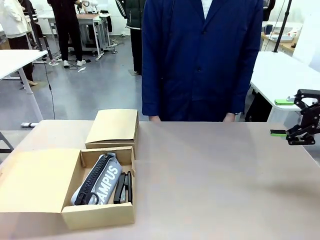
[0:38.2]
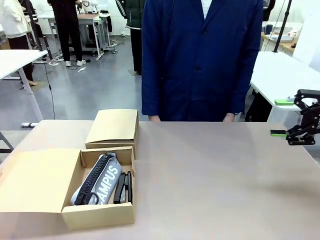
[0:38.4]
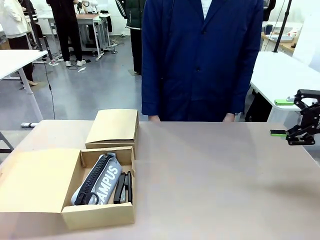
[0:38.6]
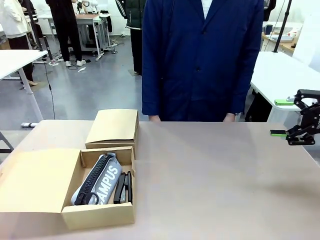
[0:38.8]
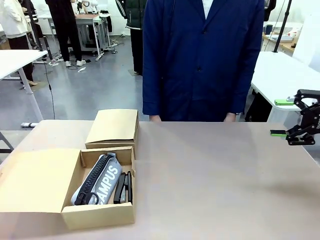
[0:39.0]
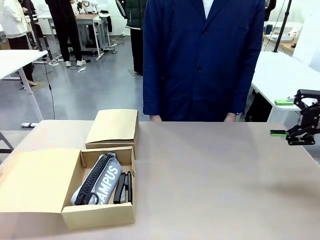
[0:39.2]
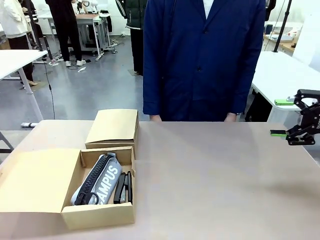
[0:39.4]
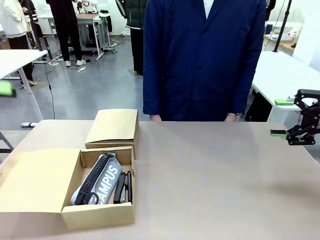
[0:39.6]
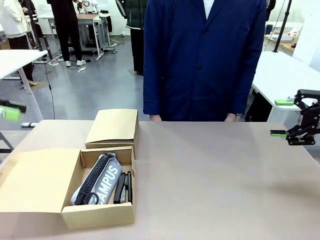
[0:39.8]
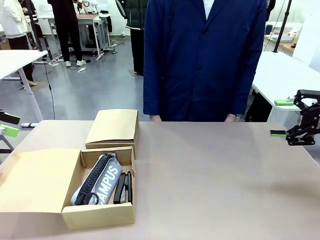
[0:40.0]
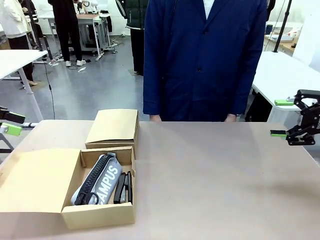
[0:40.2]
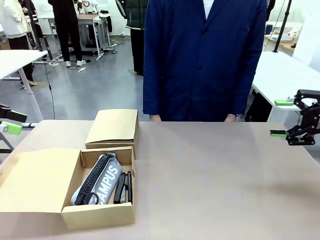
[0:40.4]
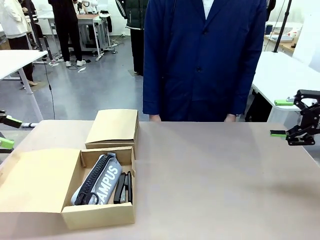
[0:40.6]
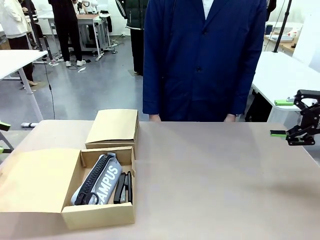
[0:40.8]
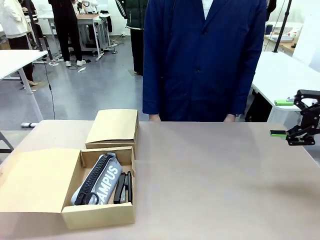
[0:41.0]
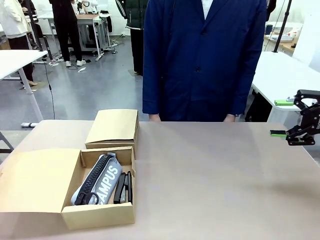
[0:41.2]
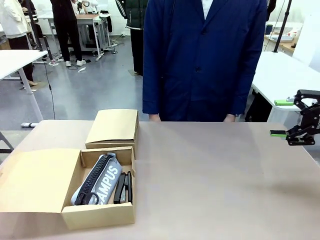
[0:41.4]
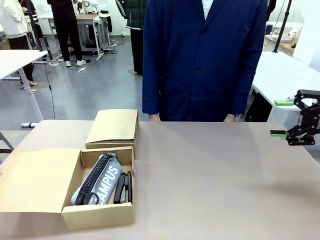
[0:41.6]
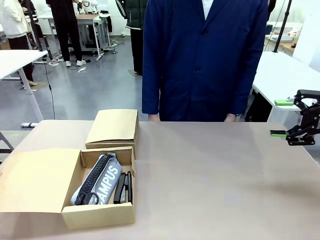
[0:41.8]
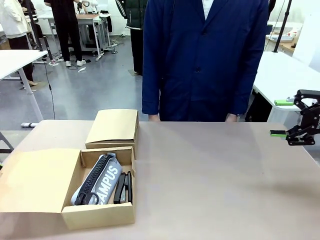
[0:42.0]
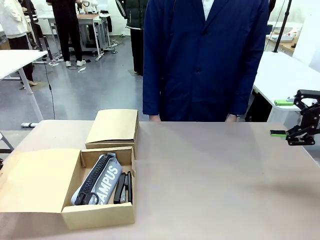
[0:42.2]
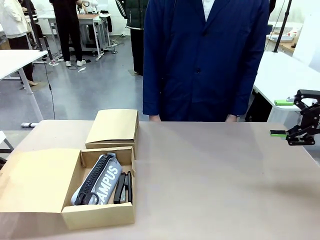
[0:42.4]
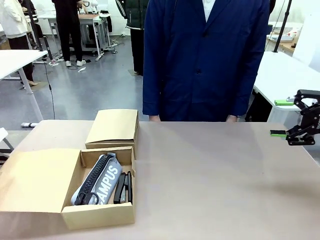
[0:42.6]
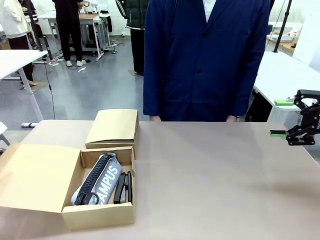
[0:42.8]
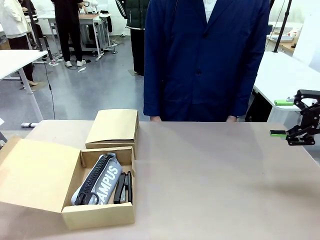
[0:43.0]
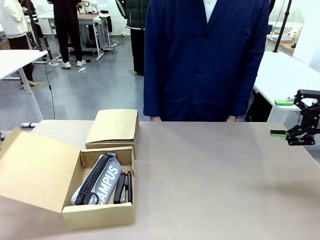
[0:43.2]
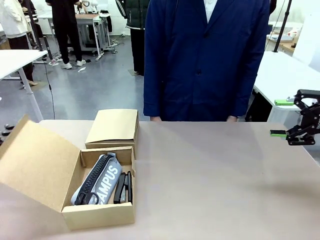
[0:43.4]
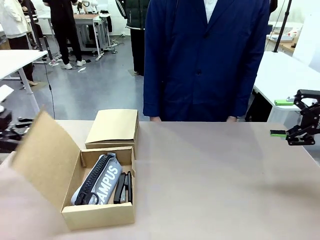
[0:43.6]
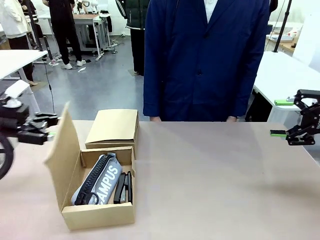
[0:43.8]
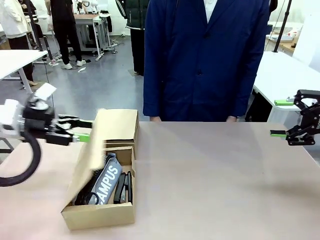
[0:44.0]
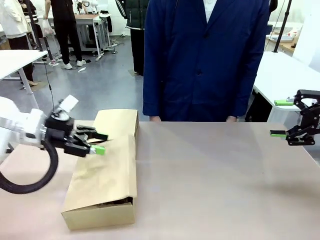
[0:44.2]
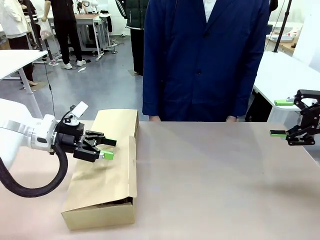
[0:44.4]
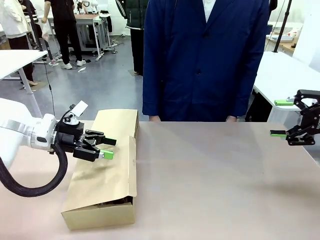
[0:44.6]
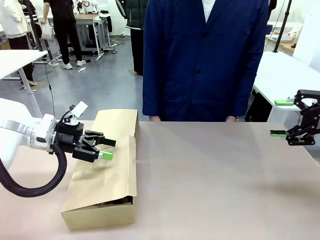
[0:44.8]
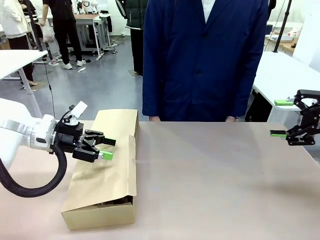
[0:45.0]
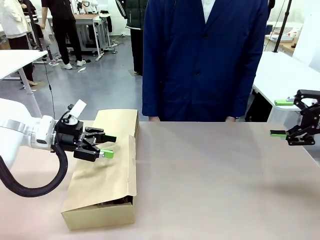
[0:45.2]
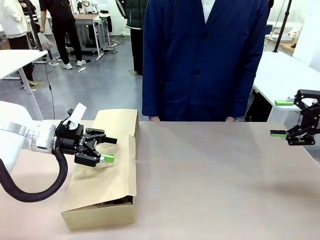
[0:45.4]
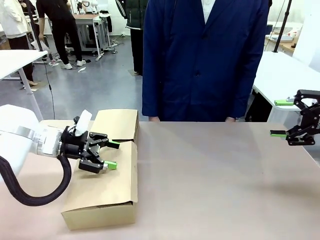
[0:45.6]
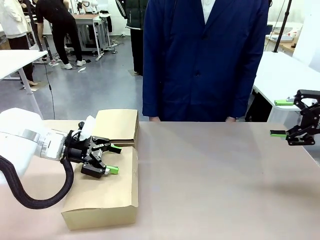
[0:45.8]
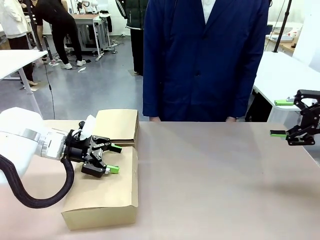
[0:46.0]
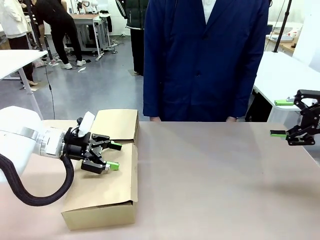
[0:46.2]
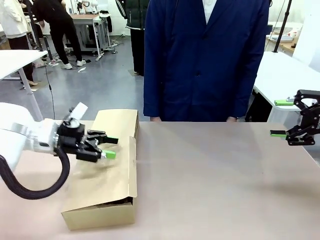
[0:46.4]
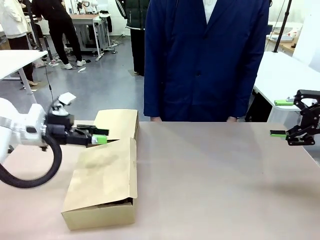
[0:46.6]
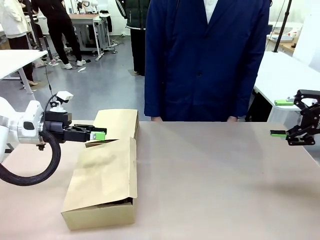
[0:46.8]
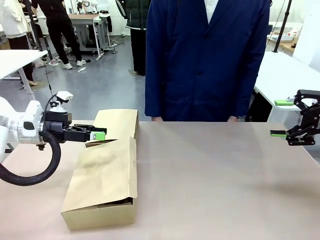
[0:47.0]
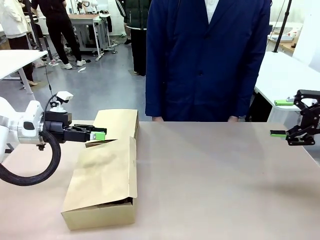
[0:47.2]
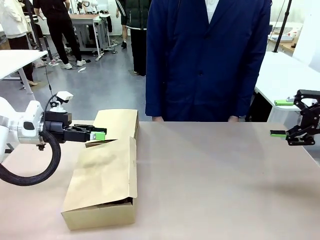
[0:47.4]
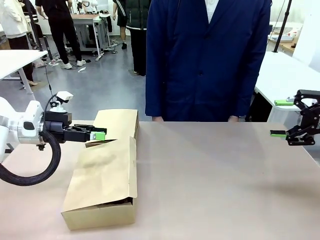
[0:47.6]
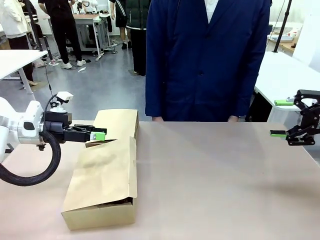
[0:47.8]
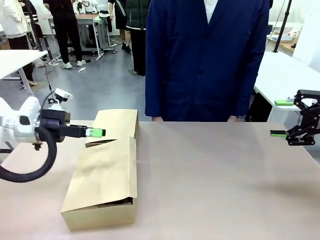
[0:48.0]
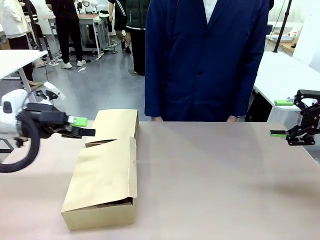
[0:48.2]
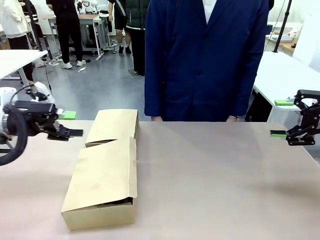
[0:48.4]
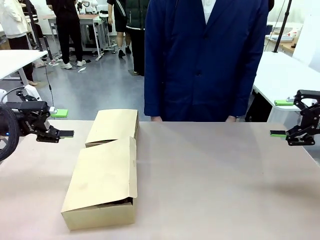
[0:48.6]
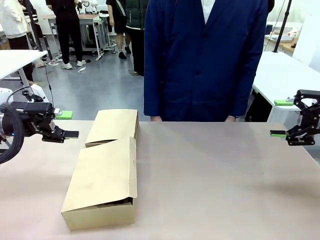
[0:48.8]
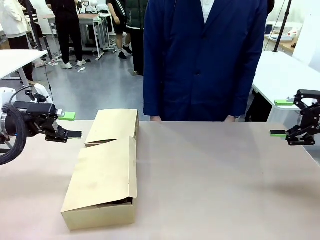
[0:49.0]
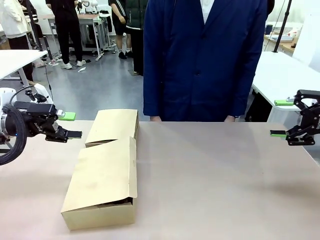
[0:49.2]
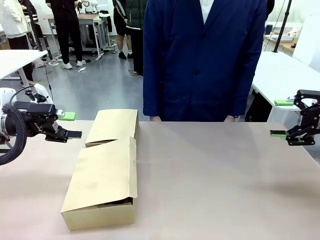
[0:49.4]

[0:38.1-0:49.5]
Task: Place items inside the box.
Robot: Close the lid of the Mailer Box closest to the robot.

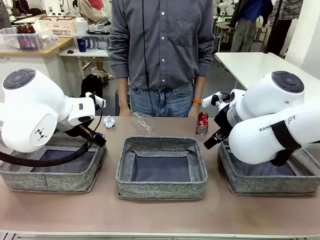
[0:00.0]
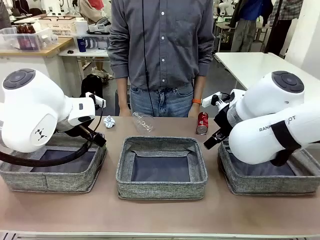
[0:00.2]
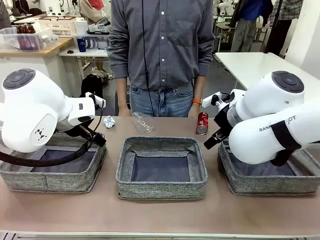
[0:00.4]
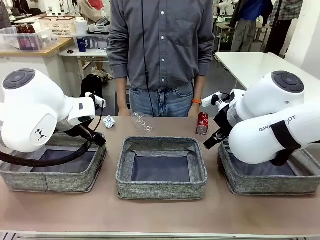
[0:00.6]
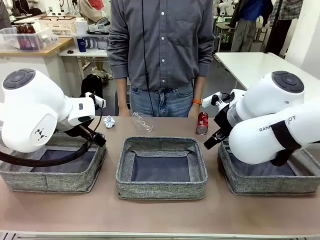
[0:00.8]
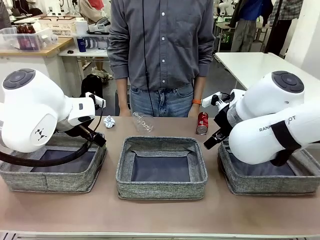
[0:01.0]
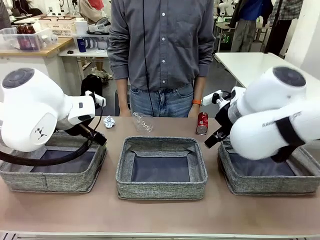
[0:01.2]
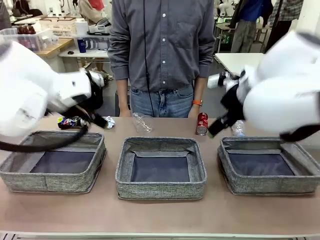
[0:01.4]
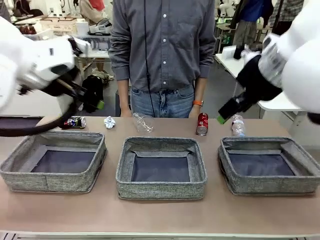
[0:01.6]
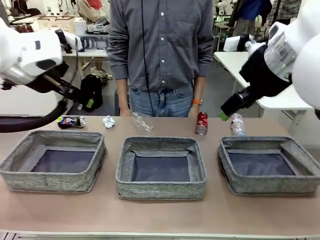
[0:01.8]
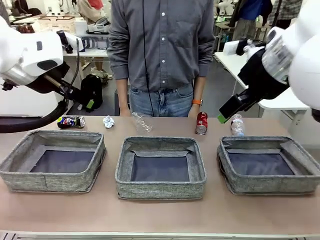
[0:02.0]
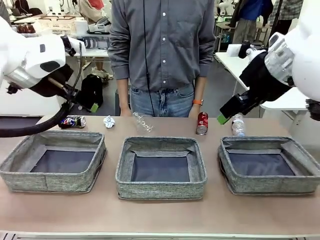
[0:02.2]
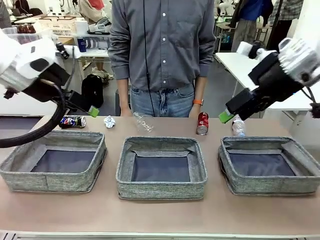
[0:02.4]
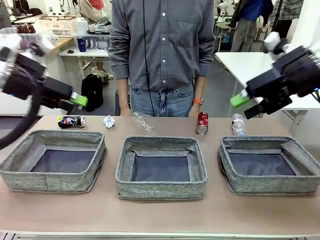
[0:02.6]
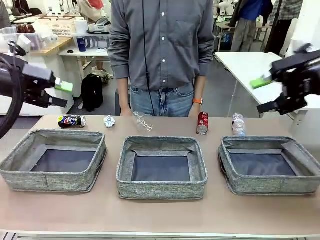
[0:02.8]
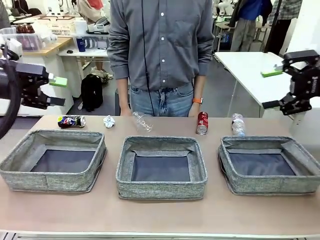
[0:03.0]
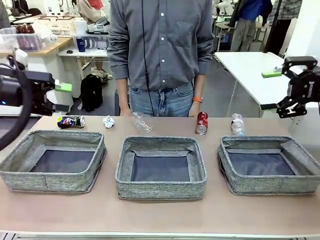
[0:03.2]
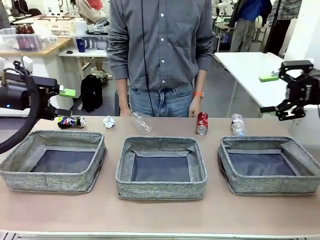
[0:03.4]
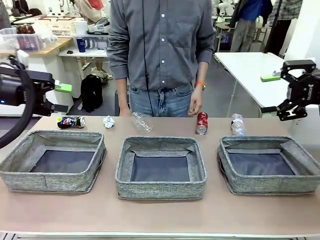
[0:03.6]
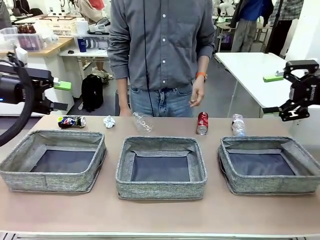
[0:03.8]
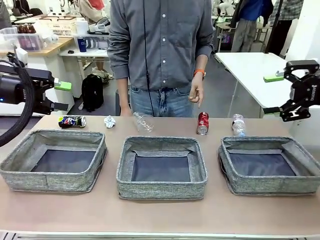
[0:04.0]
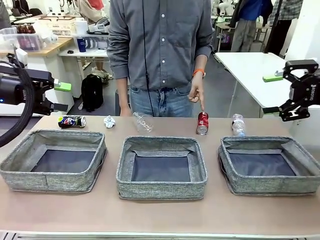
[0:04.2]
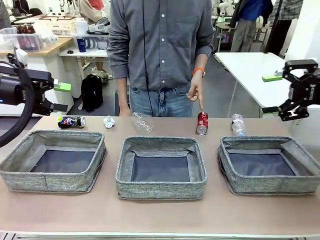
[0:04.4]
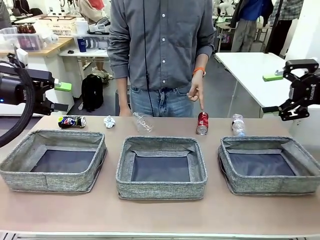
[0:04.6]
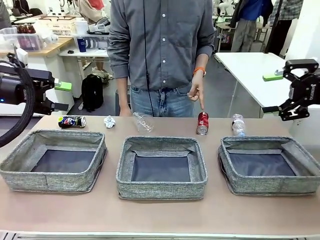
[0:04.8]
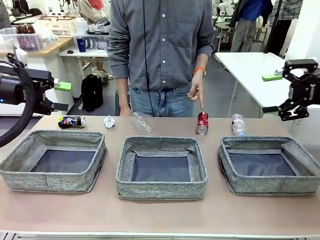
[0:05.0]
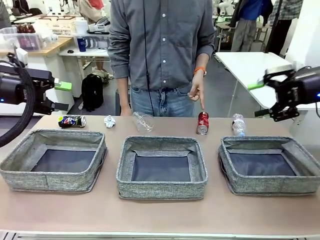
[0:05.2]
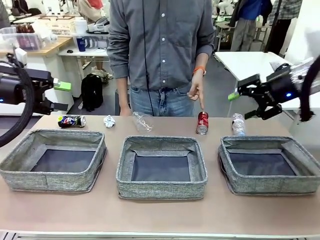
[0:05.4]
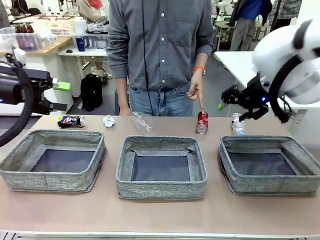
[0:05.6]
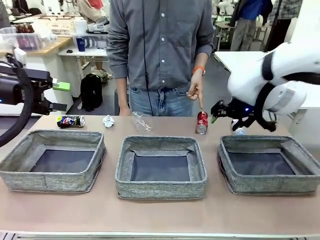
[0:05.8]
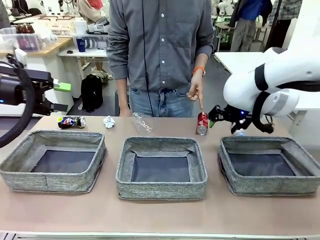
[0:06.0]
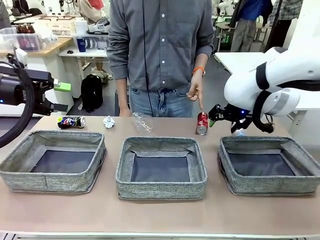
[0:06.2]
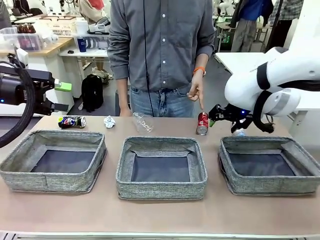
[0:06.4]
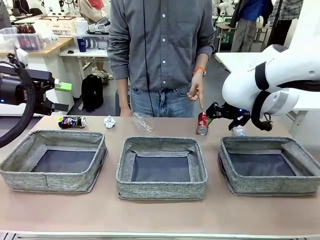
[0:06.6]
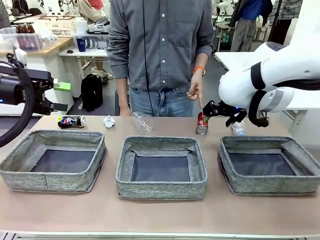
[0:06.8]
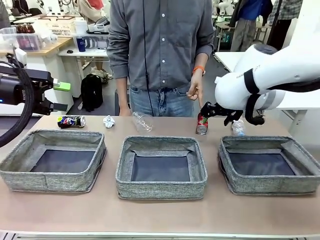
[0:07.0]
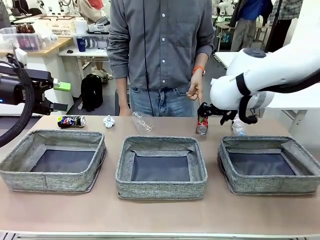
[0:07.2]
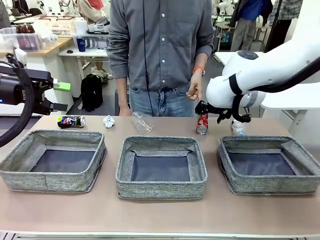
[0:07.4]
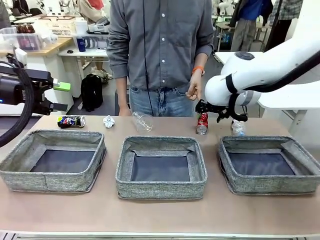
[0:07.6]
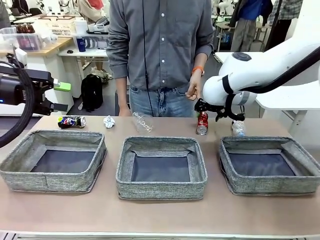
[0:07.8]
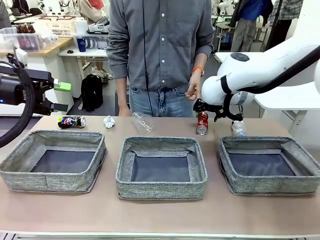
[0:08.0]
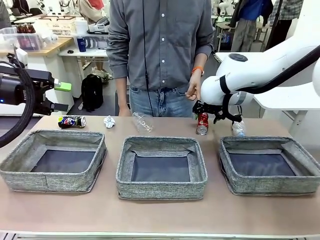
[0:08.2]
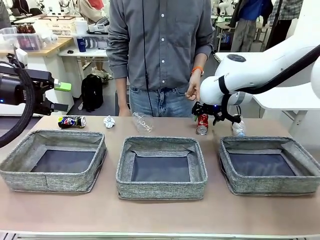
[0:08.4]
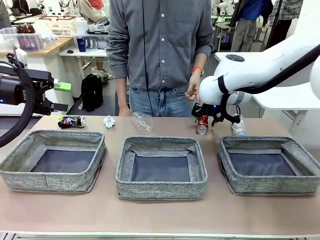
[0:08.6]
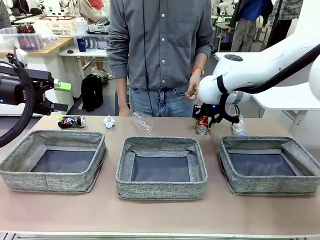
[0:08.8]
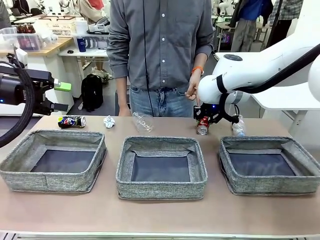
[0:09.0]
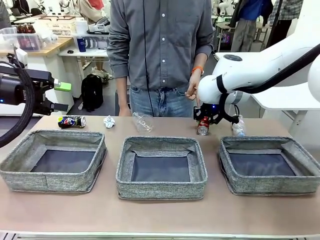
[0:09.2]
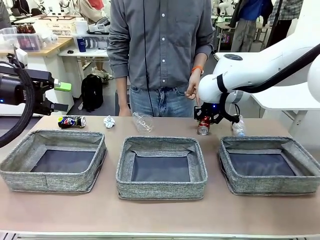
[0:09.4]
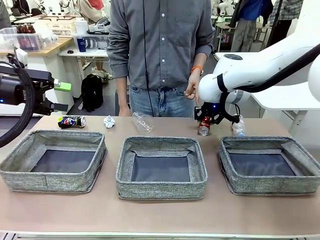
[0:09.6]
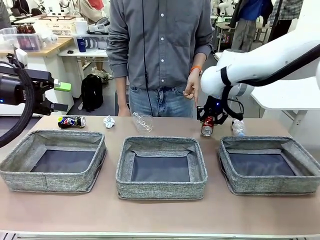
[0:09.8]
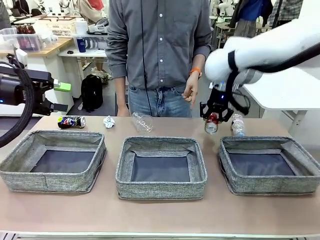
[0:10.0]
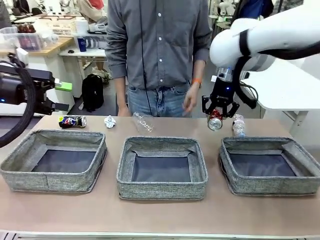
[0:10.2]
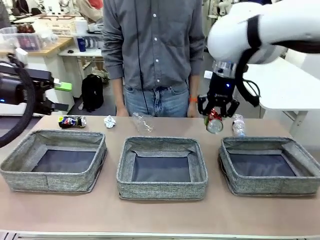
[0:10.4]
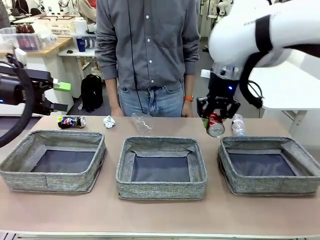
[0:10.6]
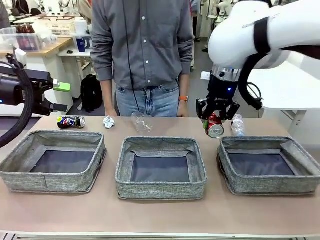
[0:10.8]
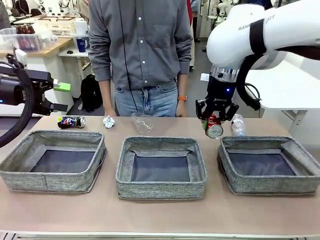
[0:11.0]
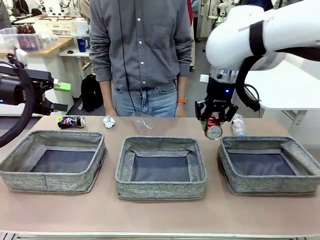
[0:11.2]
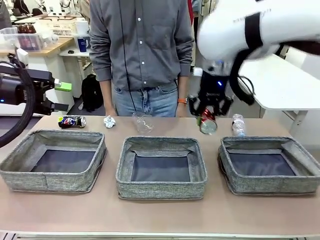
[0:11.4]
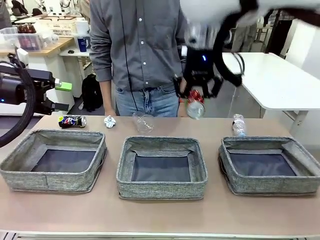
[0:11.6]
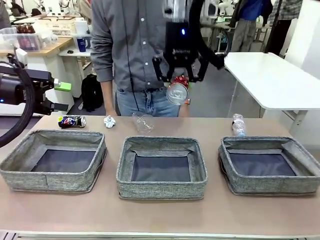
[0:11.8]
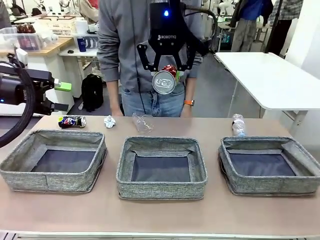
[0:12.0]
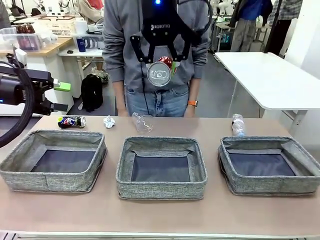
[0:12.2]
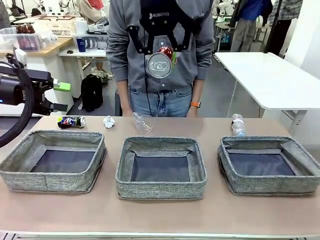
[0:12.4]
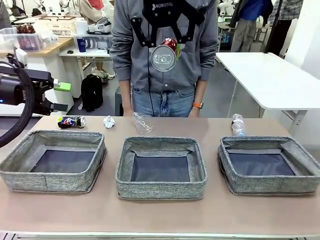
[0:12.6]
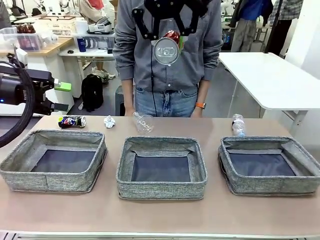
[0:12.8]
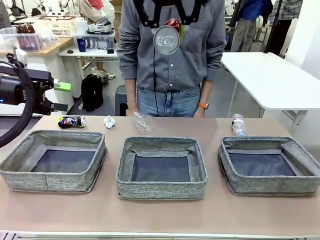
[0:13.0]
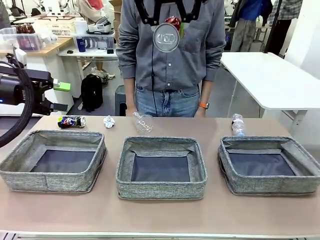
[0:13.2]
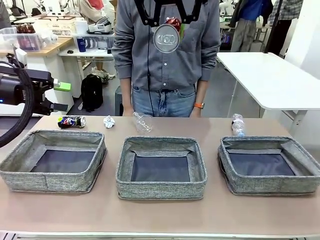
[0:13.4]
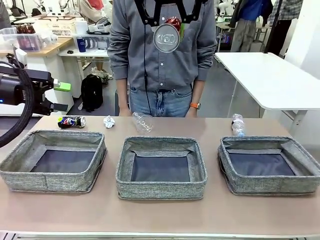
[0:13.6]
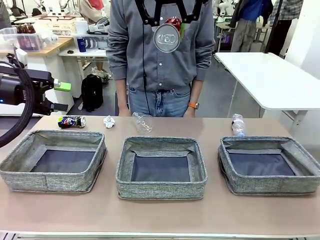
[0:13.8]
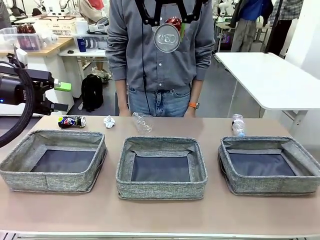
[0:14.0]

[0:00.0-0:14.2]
Task: Sort the waste into the appropriate baskets.
Robot: Pick up the waste item pointed out by the person.
Person: Points to one piece of trash on the table.
